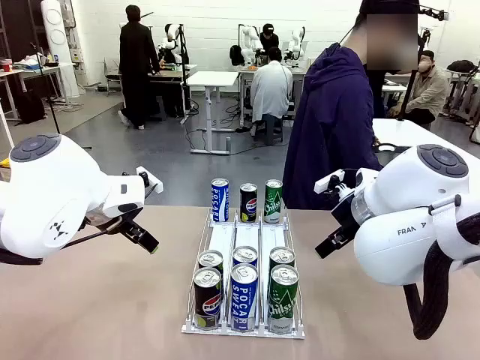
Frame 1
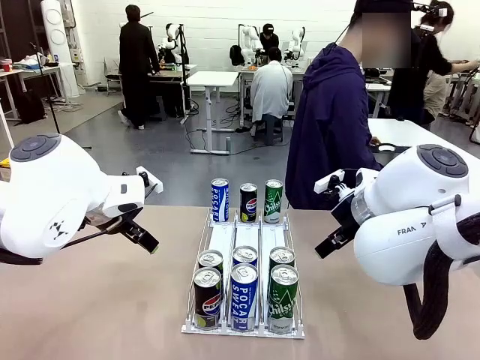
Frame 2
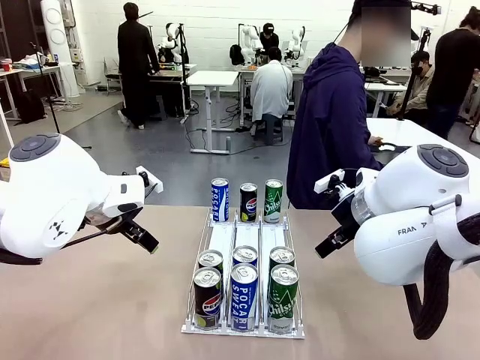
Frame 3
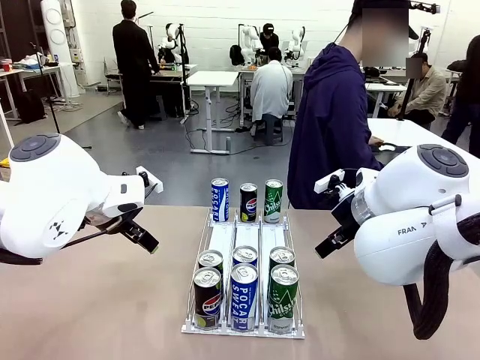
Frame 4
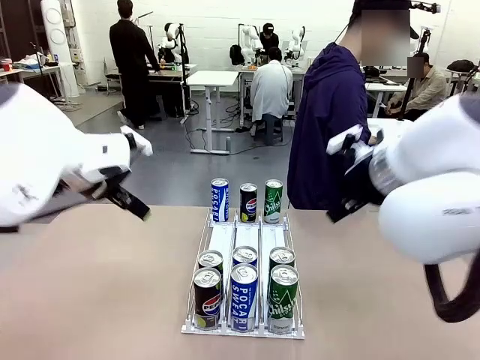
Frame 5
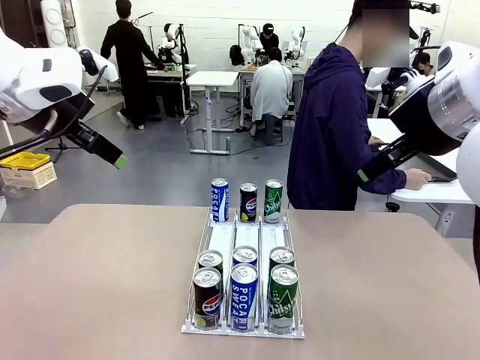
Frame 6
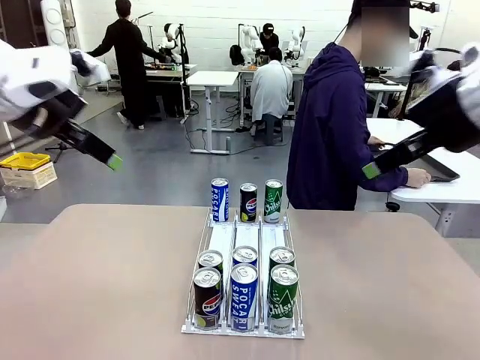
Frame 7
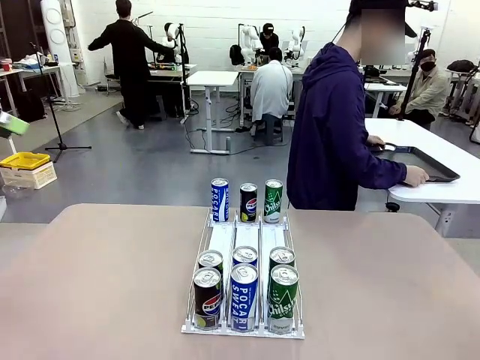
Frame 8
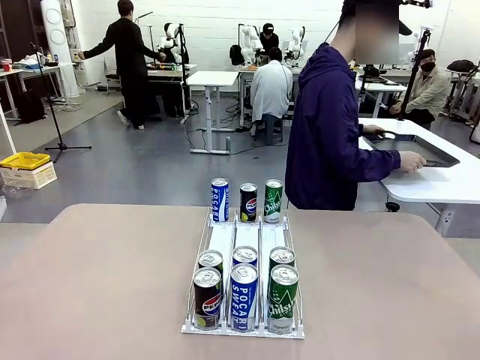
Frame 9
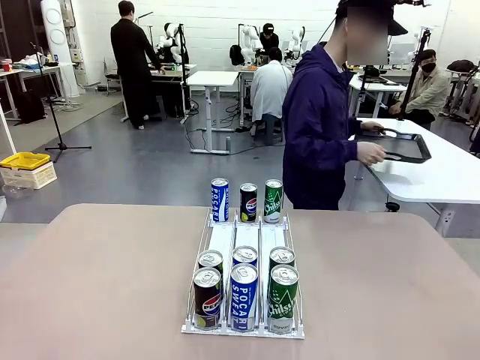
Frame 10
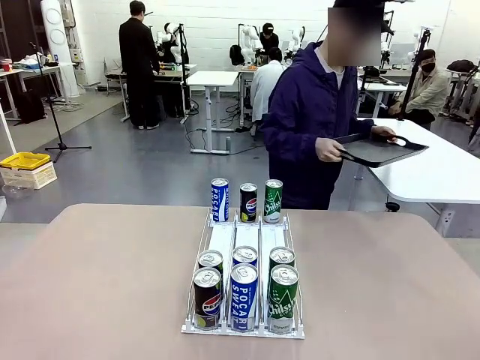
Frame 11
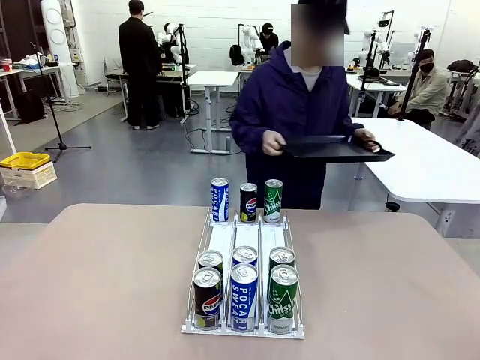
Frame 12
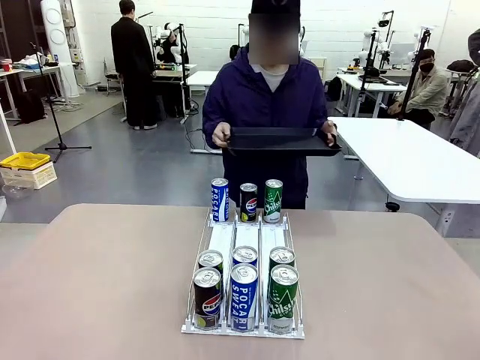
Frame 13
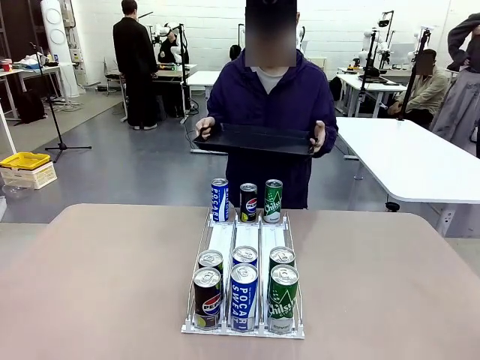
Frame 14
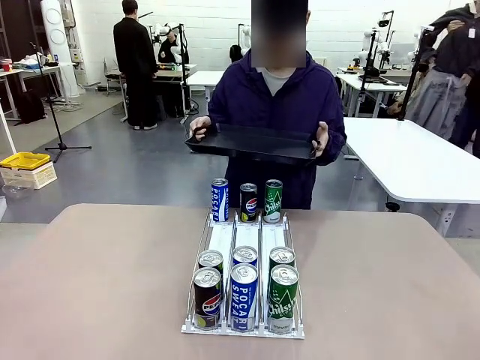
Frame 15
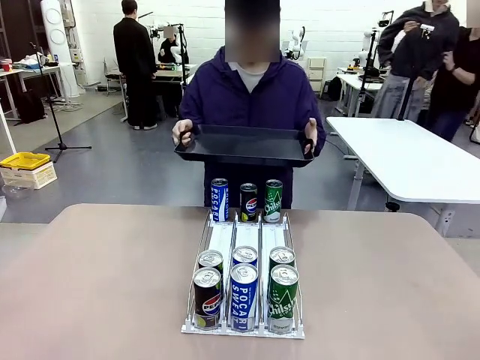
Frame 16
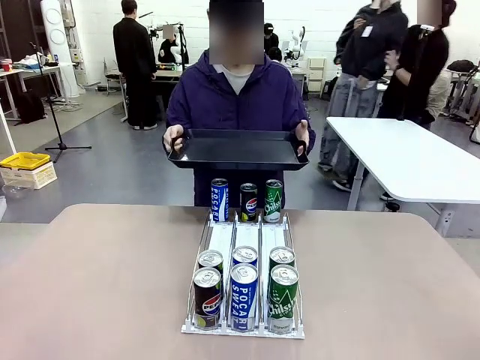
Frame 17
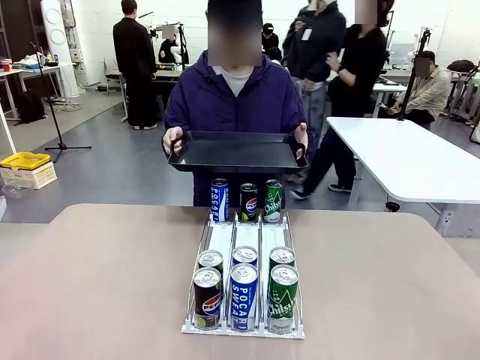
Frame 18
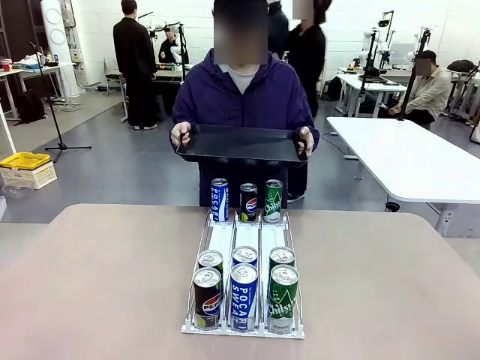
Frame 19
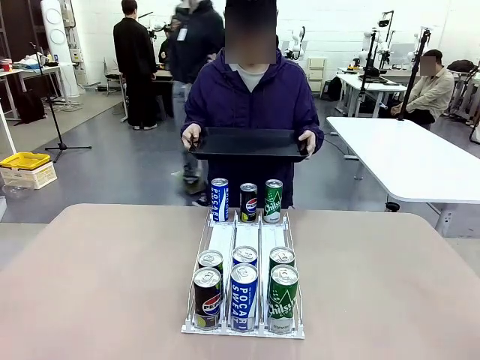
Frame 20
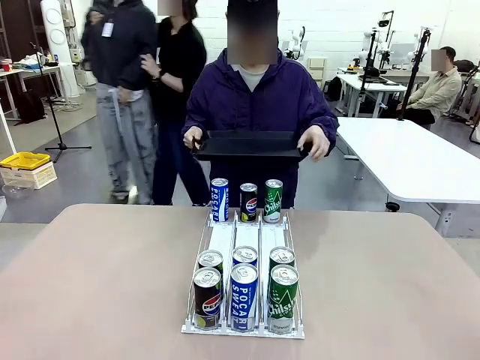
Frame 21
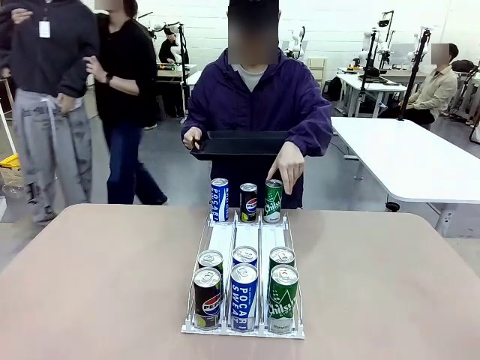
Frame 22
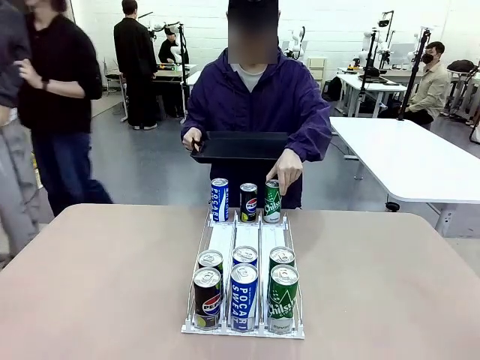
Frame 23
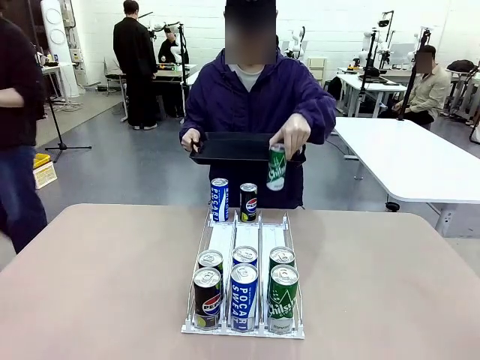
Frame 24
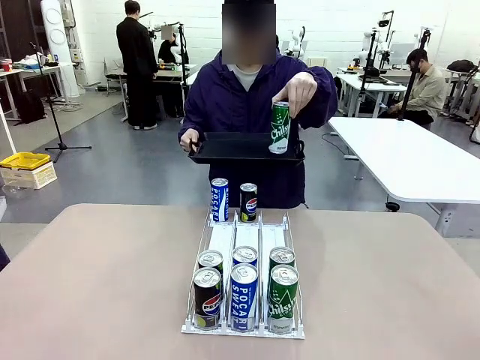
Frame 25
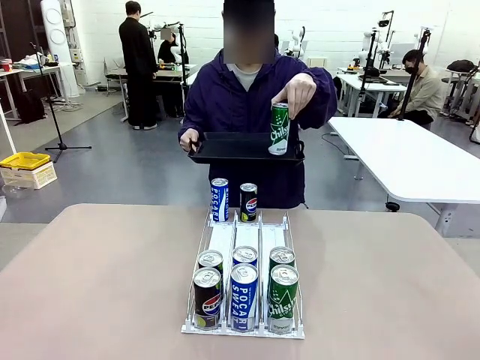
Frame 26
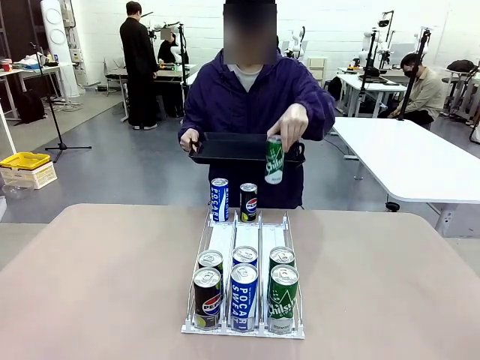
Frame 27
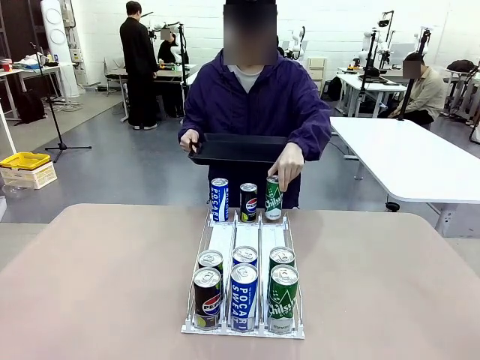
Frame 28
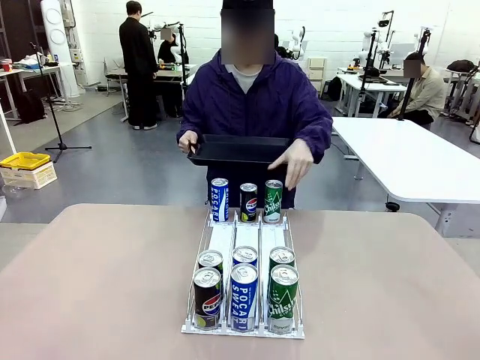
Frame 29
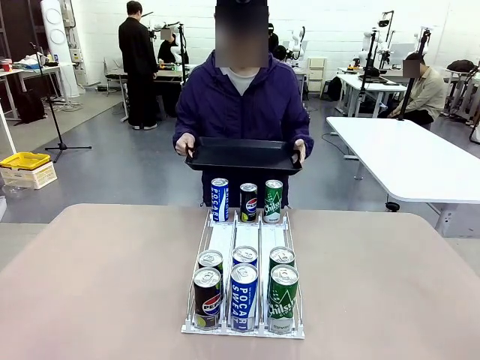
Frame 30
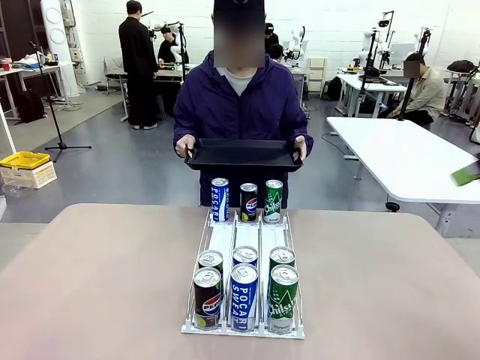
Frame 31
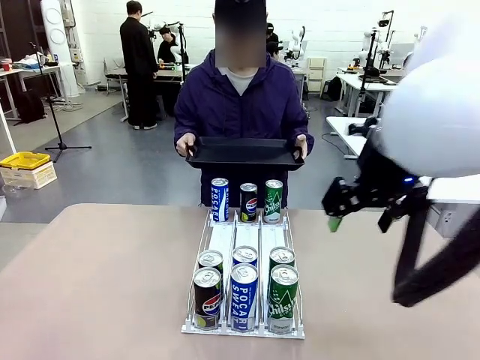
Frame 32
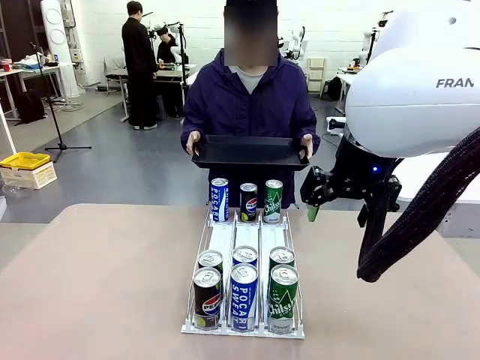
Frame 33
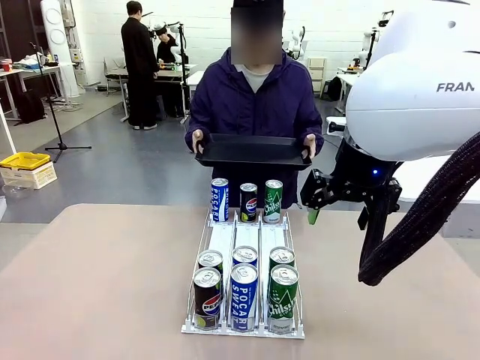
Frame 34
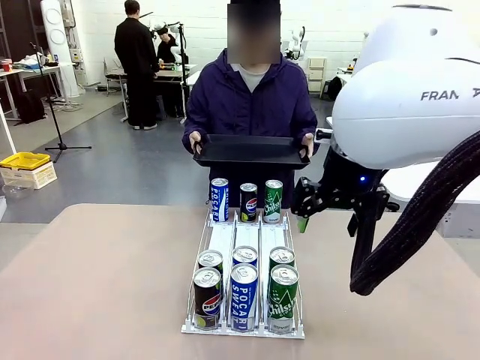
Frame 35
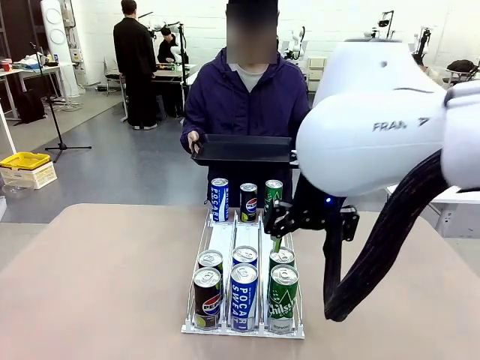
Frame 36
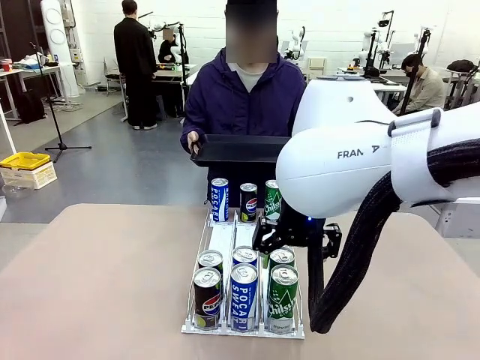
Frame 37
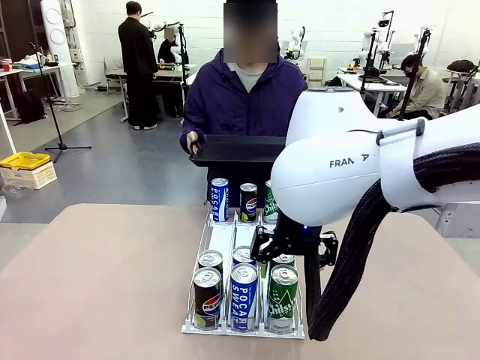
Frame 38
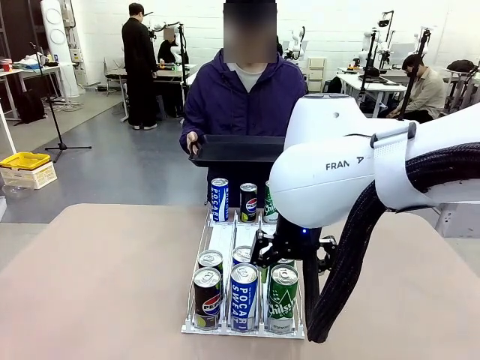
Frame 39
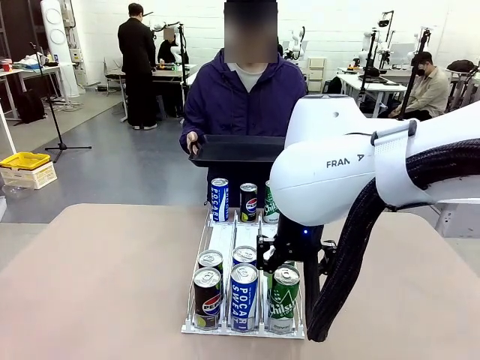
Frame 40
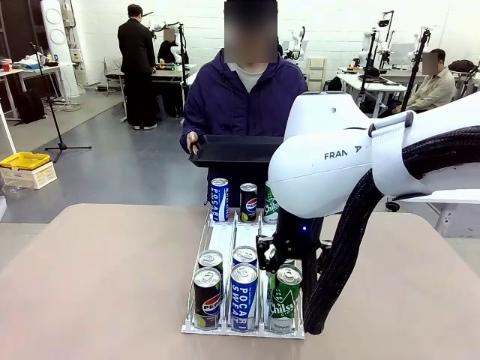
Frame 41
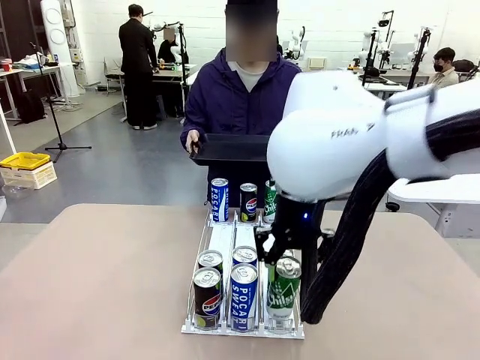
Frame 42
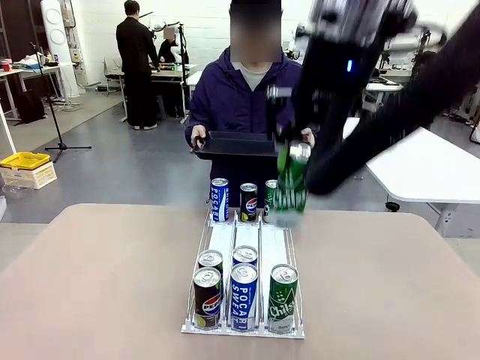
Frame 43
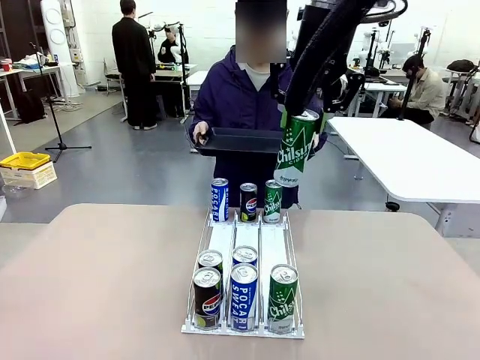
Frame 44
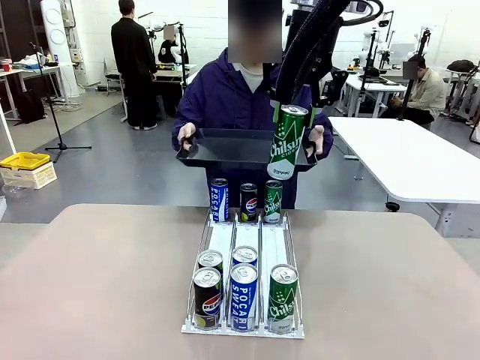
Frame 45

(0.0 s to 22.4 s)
Task: Retrieve and hand over the desired beverage to the person.
Robot: Pick up a can of the same type that the person held from the Automatic Can Dispenser.
Person: Hold the tray and position yourself in front of the robot table. Pick up one can from the bottom area of the table and puts it back in its original place. Push the tray toward the robot.

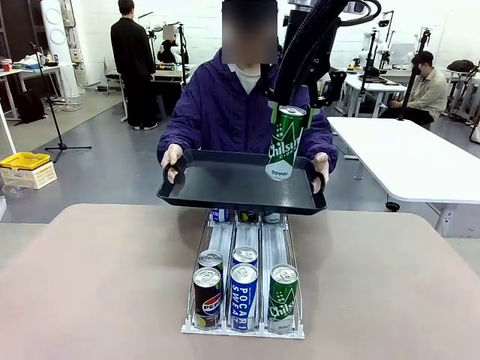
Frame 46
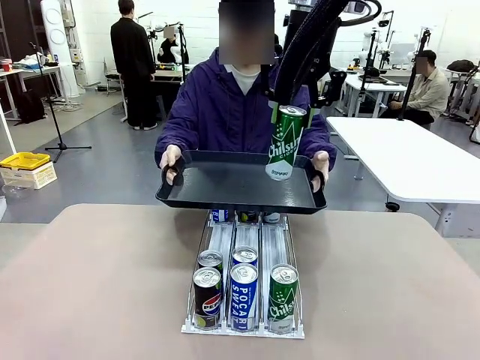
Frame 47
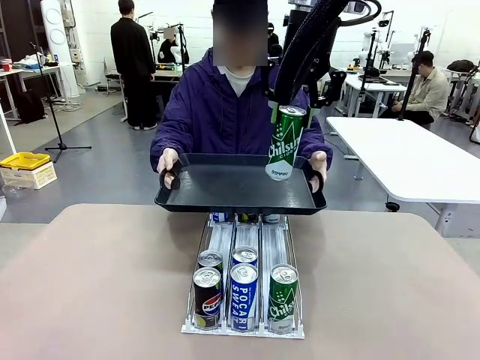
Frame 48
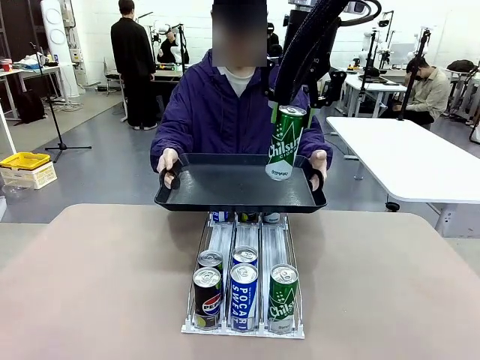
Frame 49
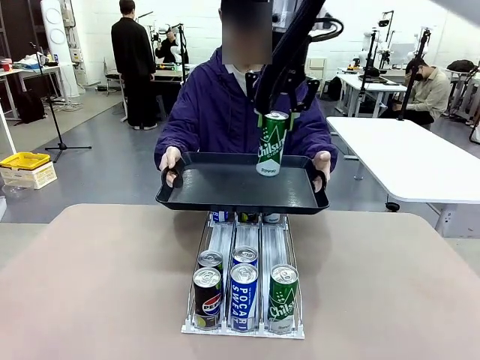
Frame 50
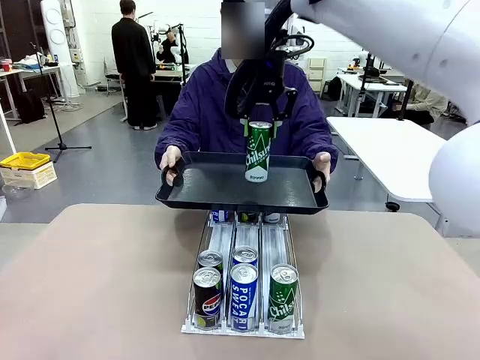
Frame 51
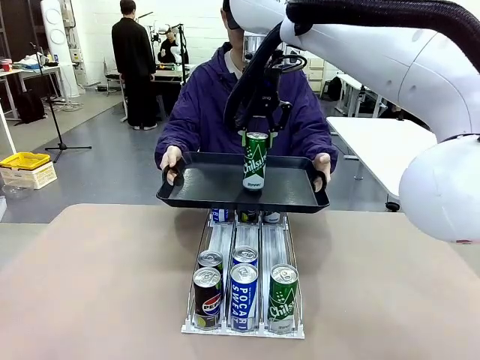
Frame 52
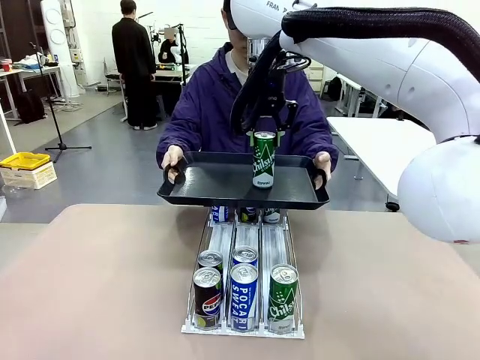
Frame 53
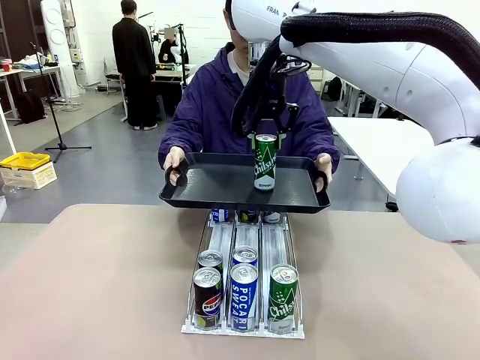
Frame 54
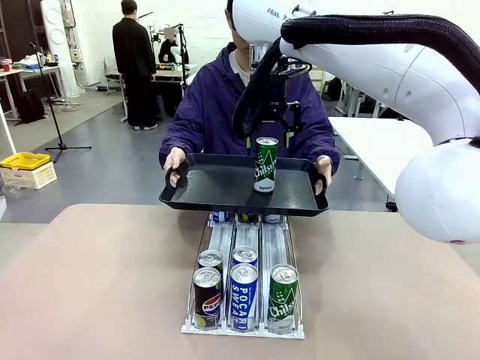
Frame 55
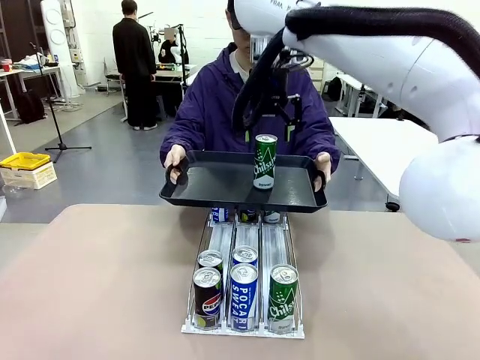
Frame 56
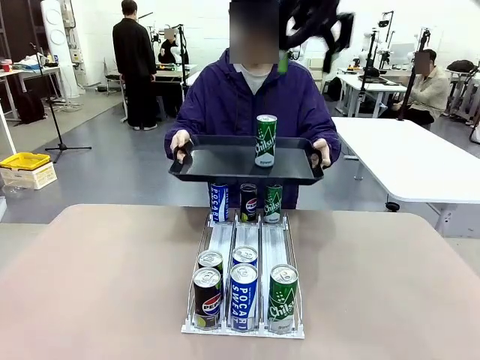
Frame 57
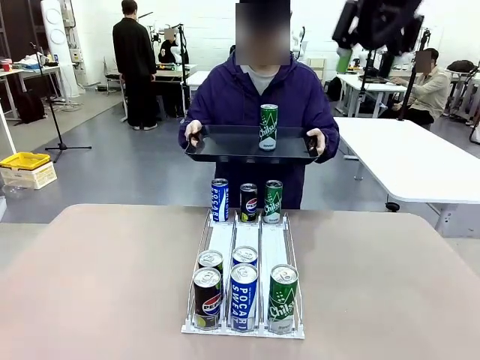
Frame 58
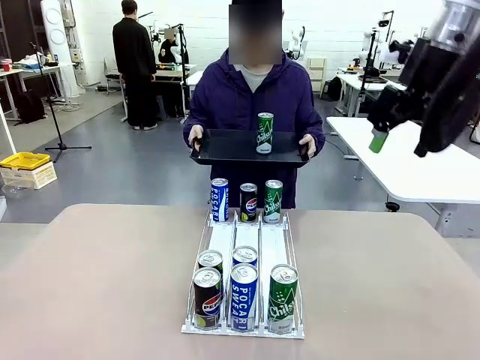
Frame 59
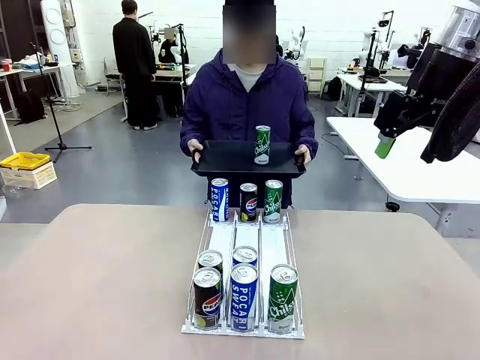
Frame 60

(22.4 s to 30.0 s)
Robot: Place the picked can on the Handle tray extended by the person.
